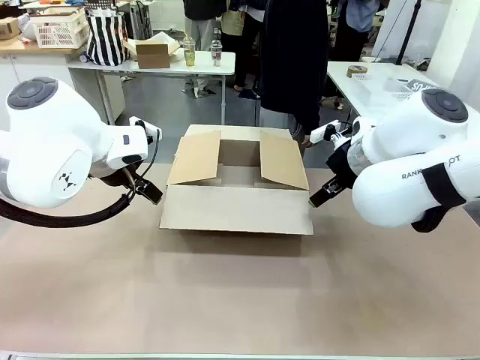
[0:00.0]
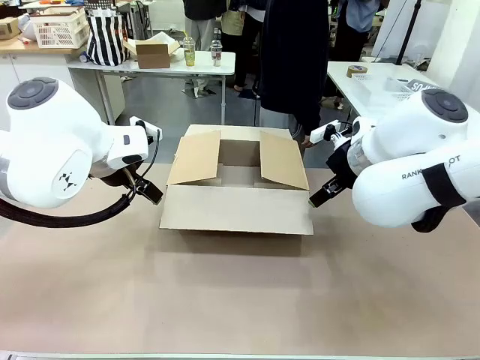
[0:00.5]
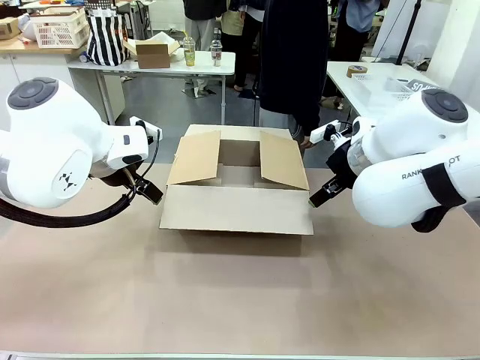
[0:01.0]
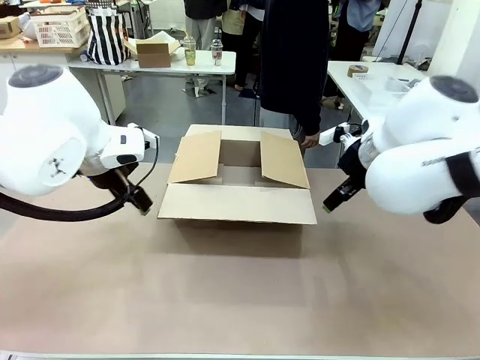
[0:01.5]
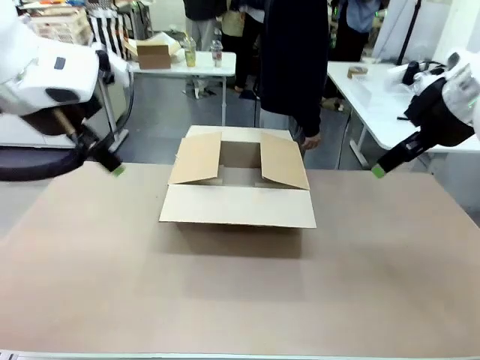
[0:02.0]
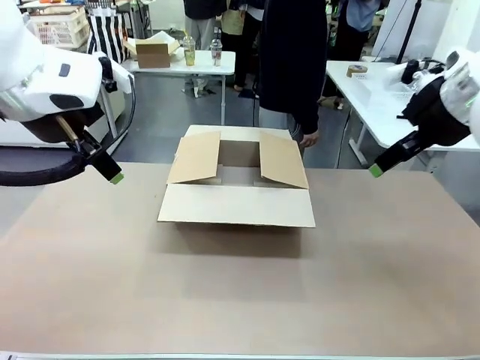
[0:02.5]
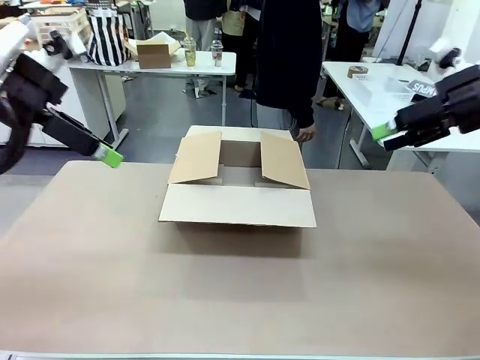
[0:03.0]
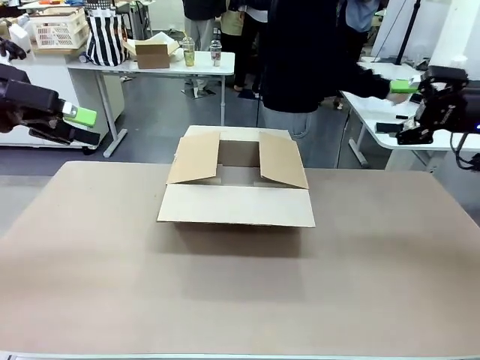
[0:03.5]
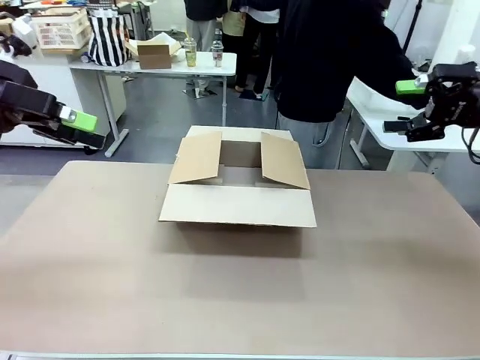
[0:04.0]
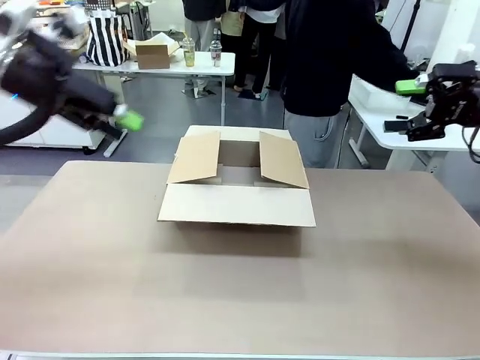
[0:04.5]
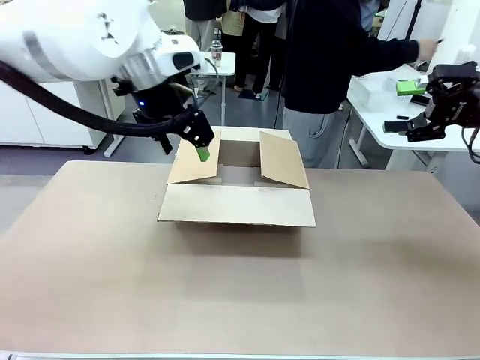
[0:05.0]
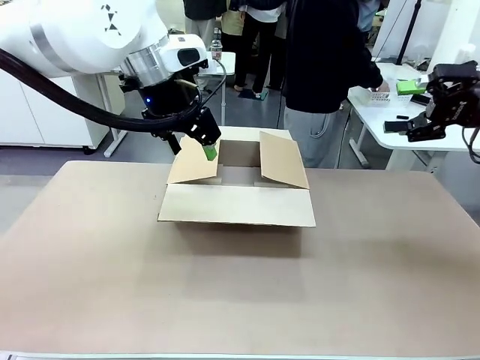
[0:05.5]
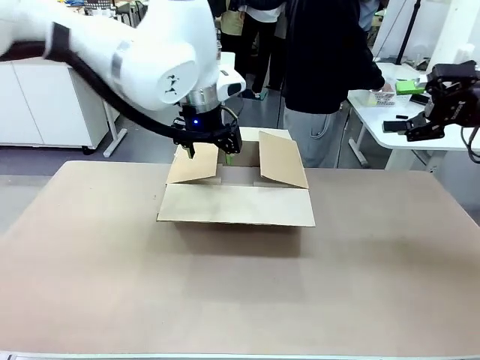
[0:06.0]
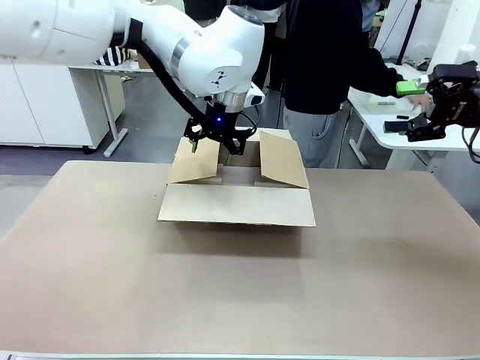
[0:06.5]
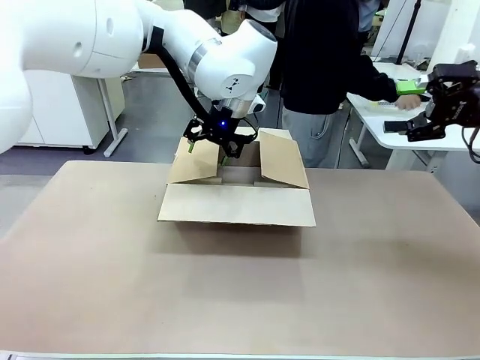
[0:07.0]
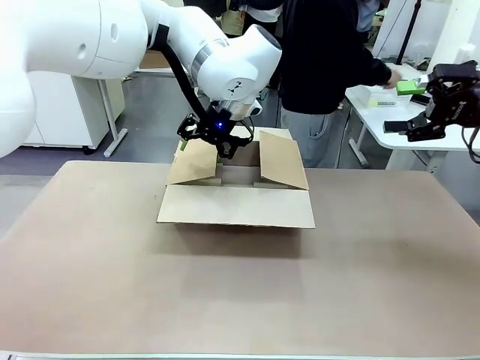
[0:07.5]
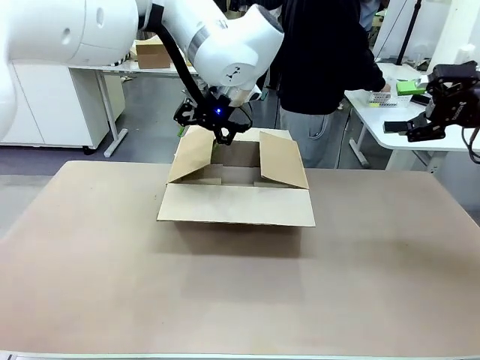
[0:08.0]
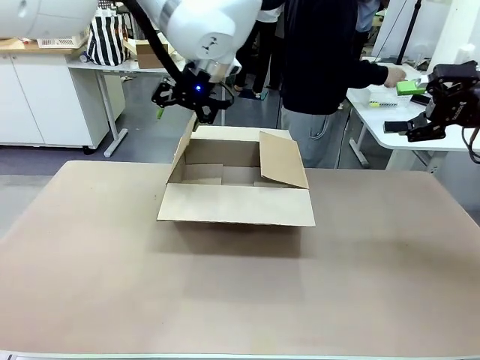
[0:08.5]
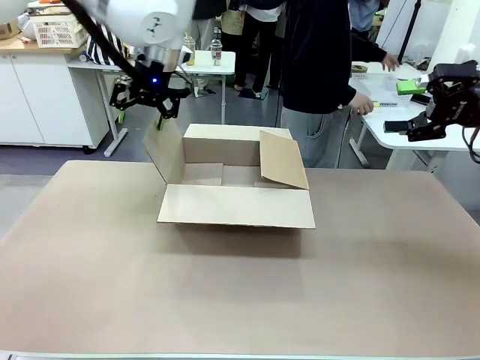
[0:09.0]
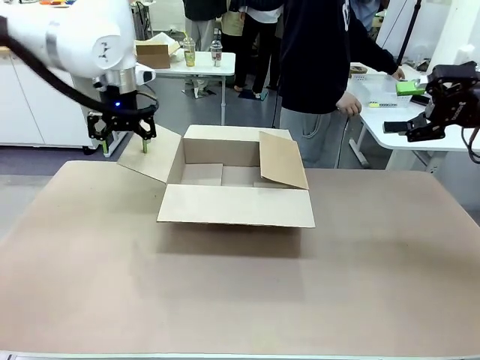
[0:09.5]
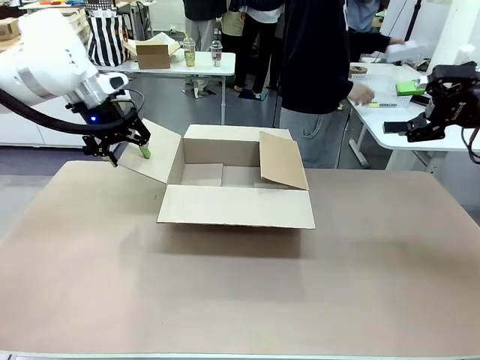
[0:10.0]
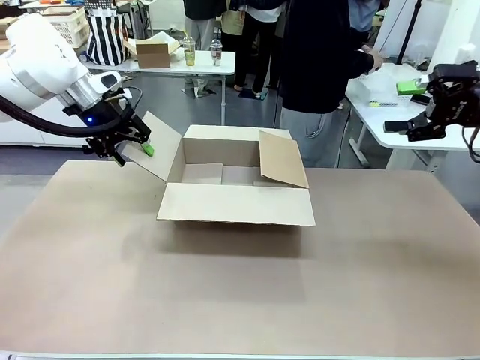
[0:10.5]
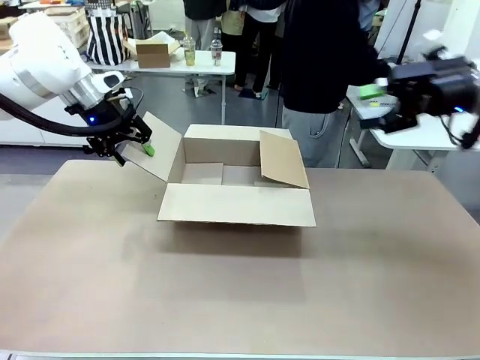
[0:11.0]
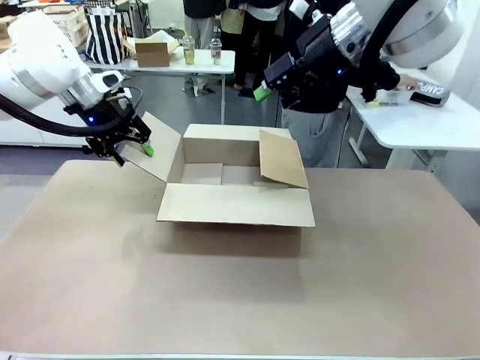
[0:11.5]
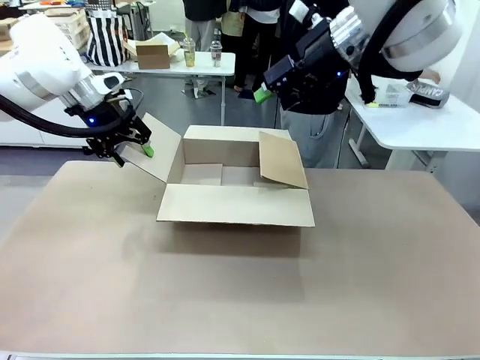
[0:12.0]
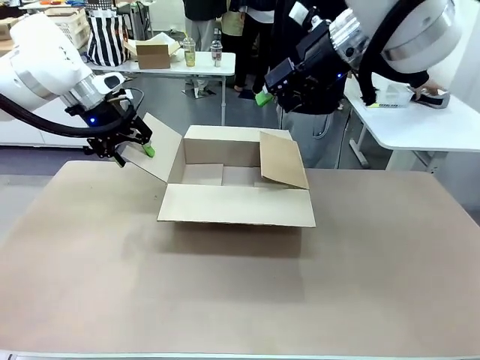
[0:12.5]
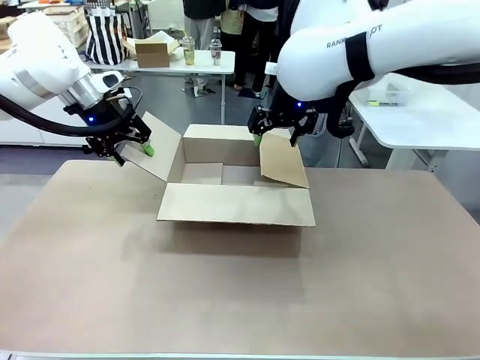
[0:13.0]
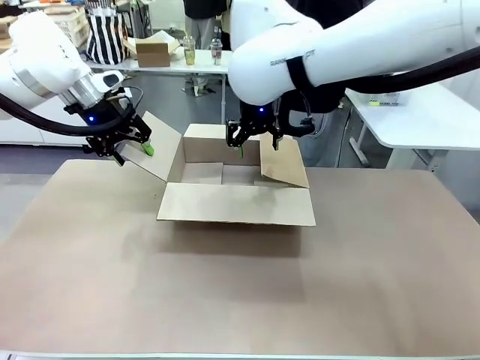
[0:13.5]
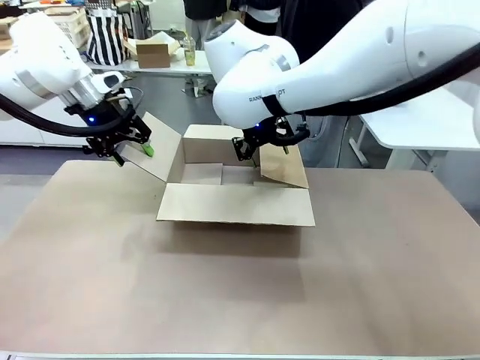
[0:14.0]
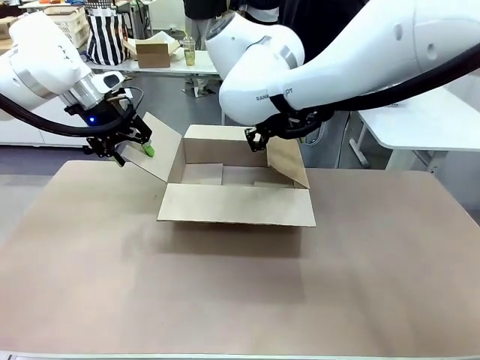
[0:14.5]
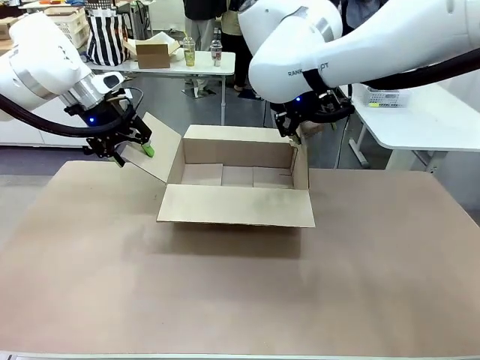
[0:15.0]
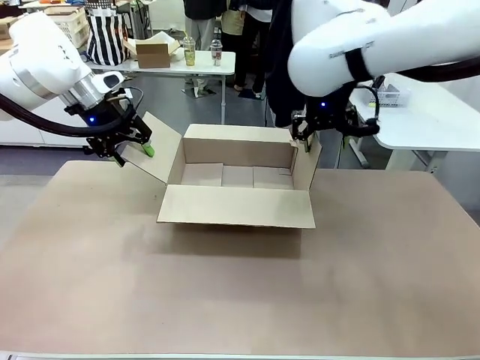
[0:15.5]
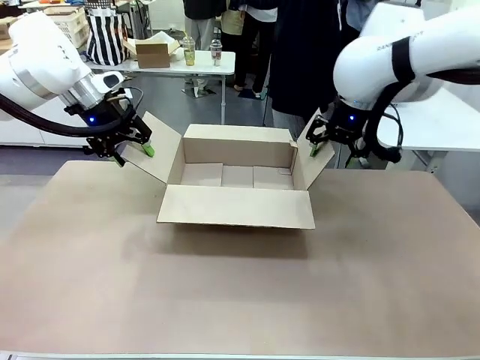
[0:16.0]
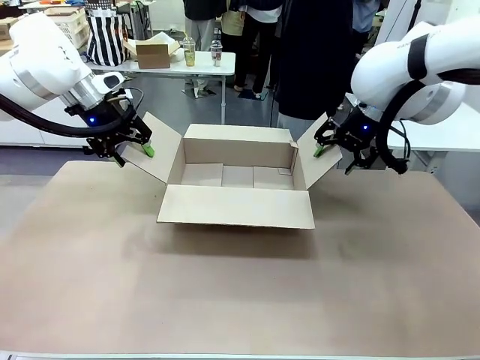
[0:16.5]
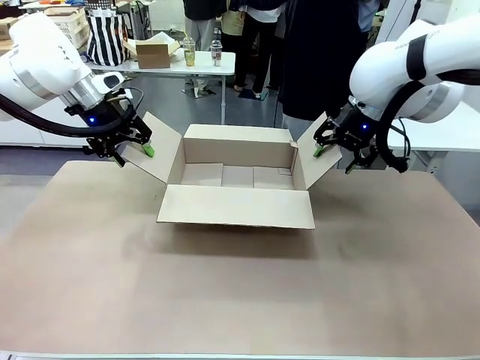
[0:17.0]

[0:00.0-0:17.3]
Task: Pack the gift set into the box.
Robot: Place both hands on the side flaps of the Package Box and spread them outward.
Person: The human places all items except the paper tape into the organizing basket.

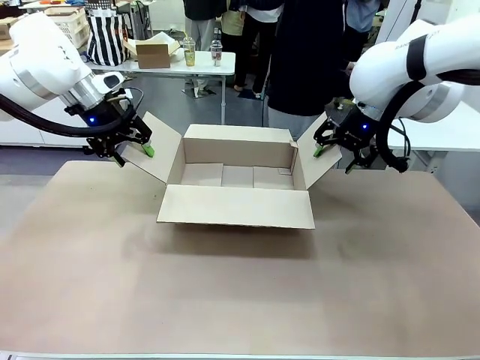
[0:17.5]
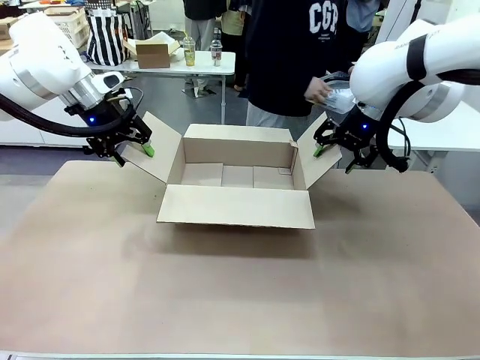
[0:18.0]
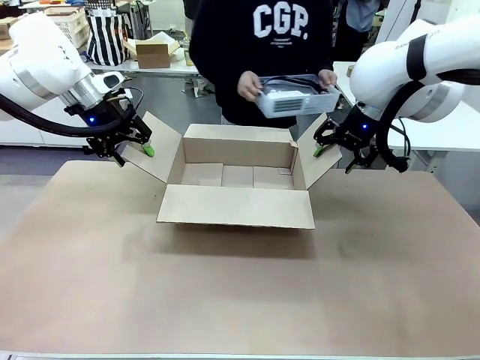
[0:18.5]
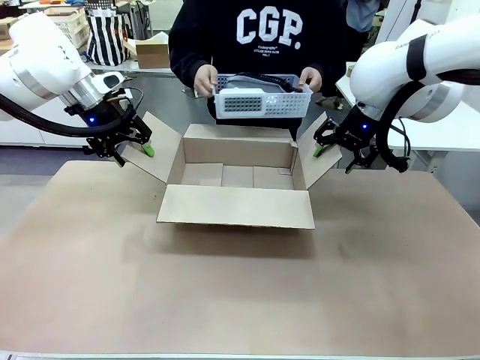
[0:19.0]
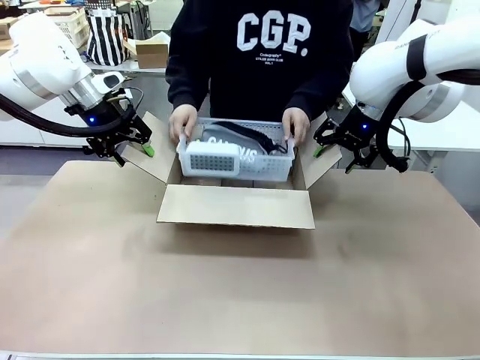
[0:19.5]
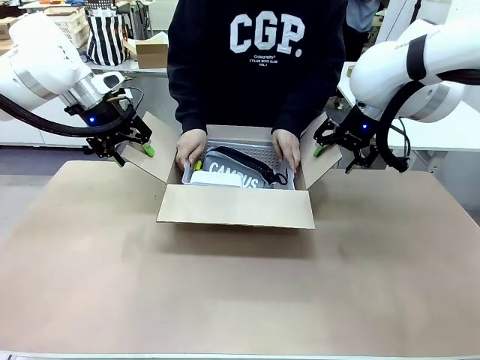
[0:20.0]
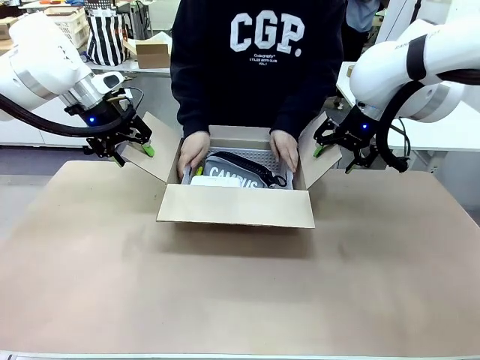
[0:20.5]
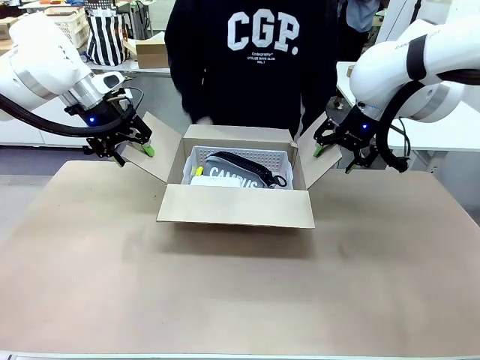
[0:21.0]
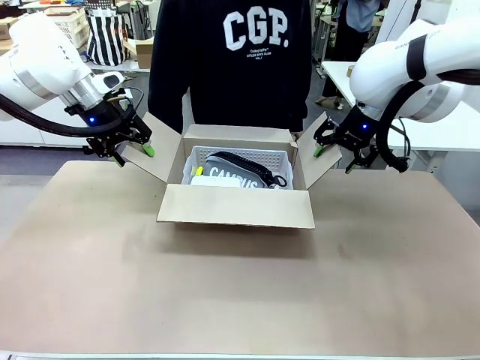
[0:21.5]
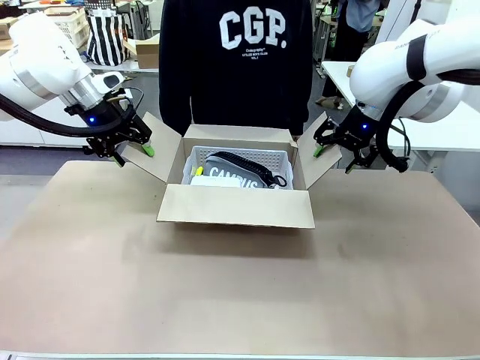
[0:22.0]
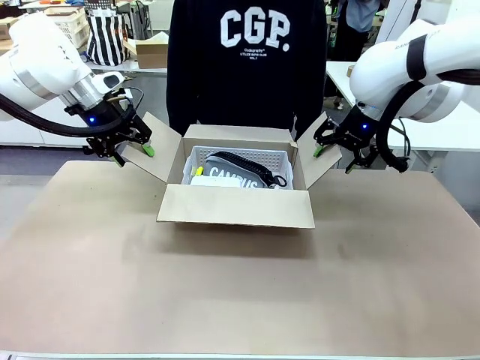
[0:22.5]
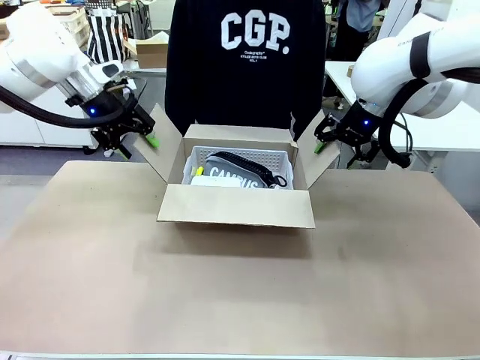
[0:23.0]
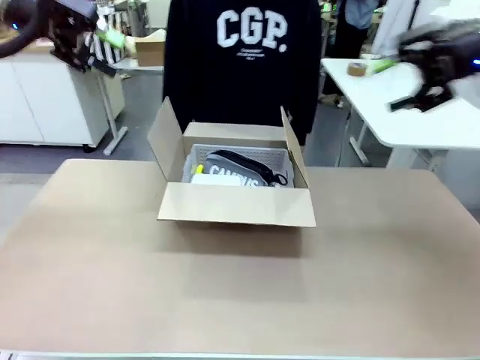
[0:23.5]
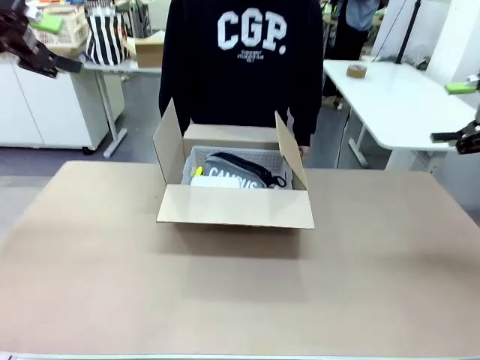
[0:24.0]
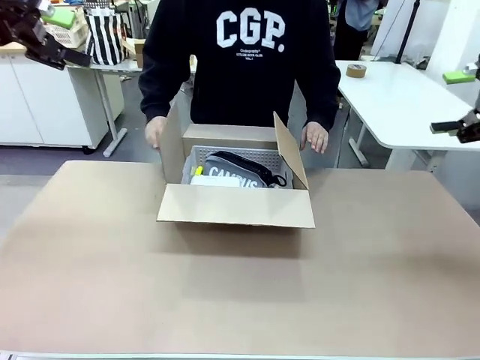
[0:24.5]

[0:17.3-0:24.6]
Robot: Lift both hands away from the flaps of the Package Box.
Person: The human picks up the organizing basket and places the organizing basket into the package box on the robot table.
